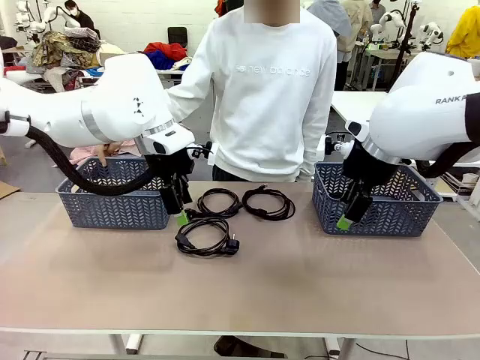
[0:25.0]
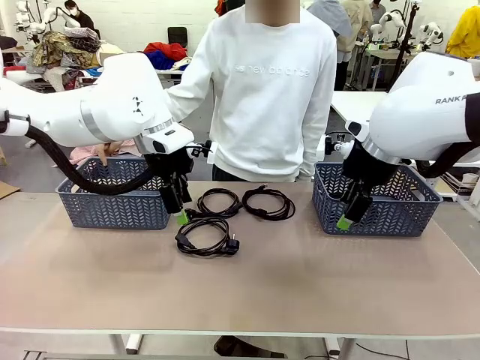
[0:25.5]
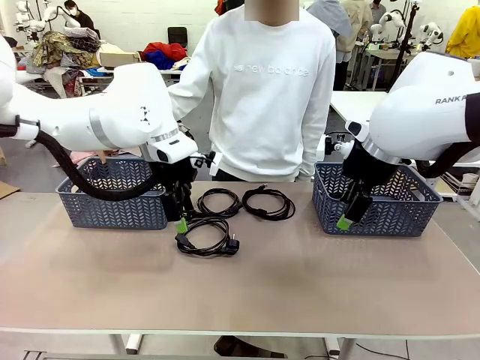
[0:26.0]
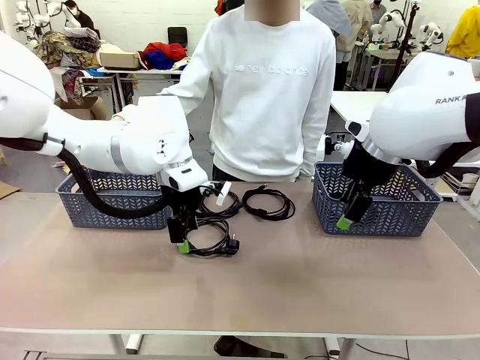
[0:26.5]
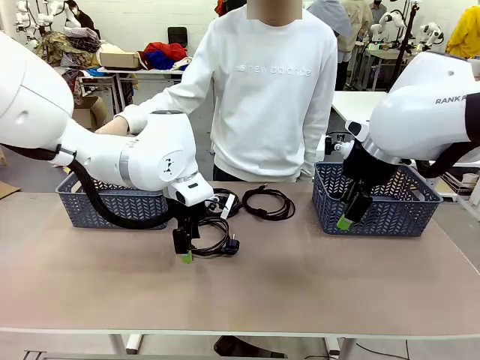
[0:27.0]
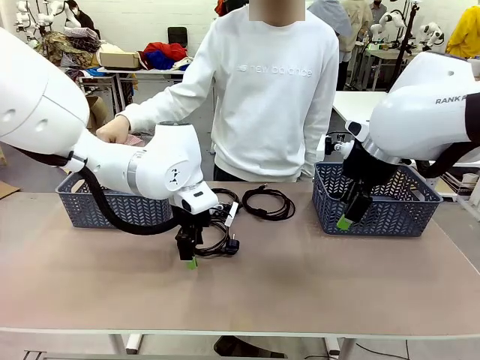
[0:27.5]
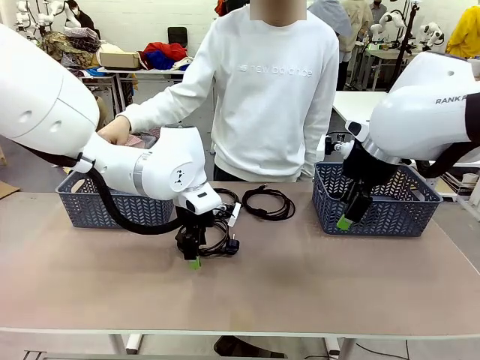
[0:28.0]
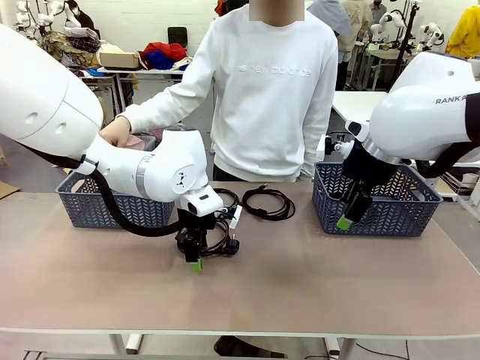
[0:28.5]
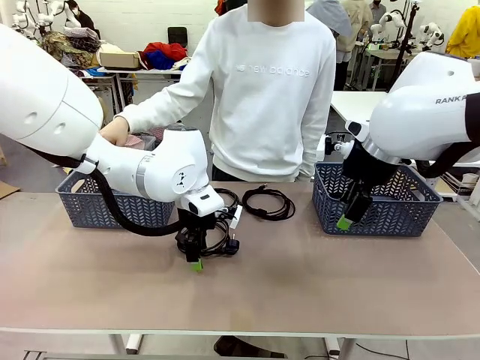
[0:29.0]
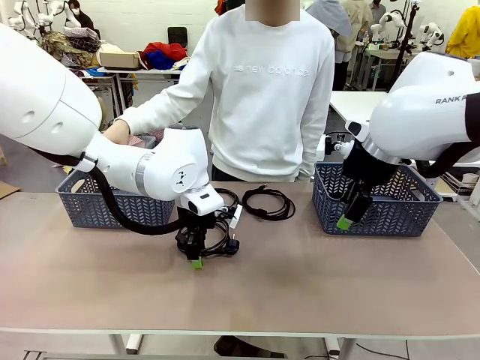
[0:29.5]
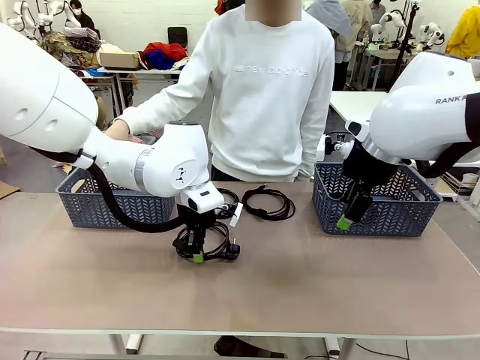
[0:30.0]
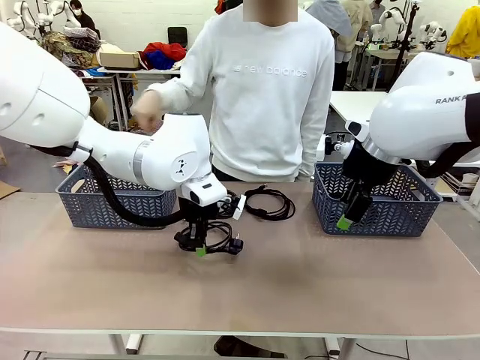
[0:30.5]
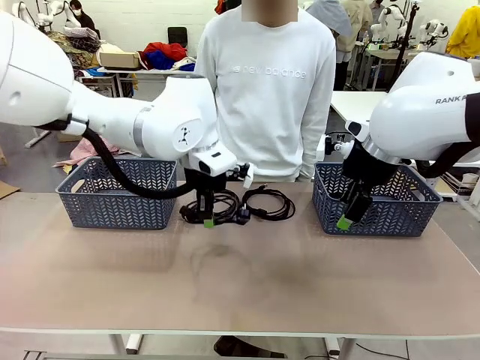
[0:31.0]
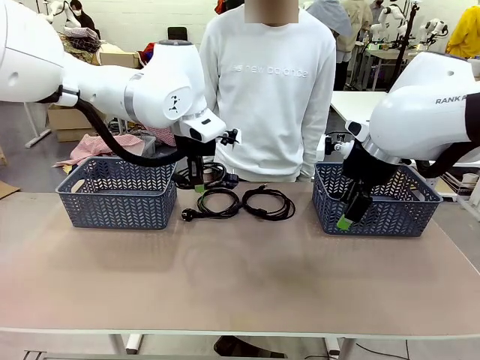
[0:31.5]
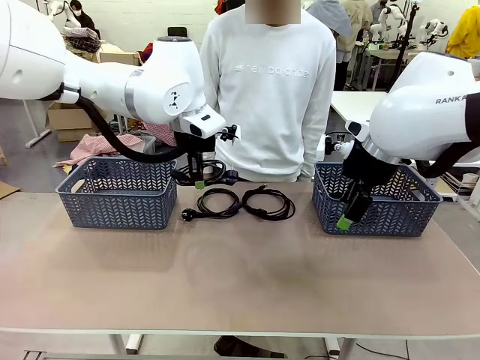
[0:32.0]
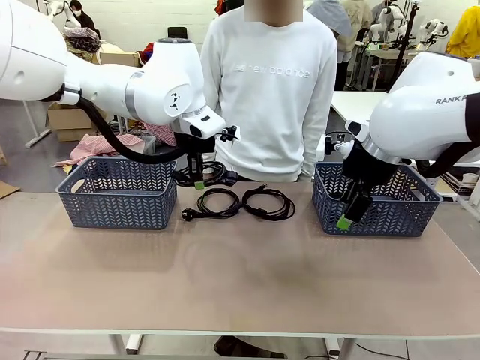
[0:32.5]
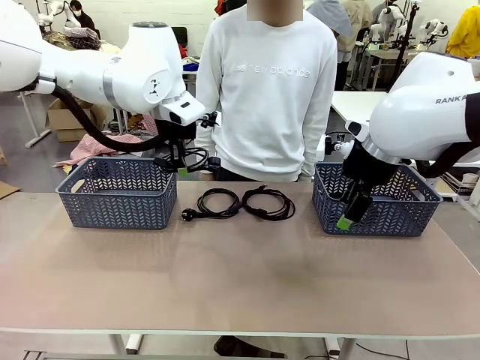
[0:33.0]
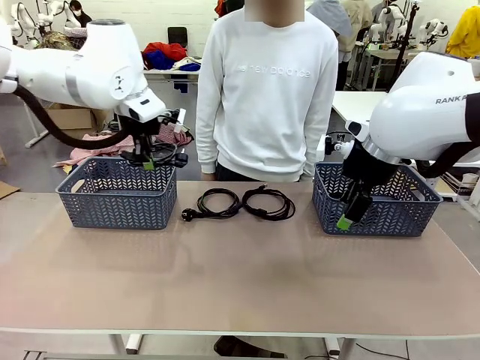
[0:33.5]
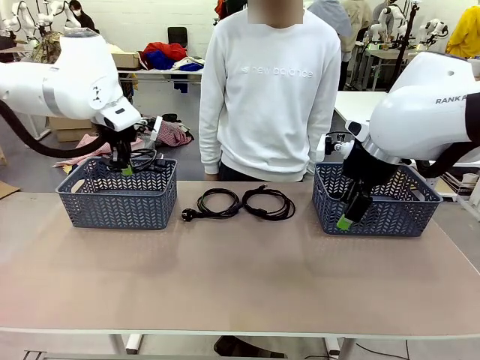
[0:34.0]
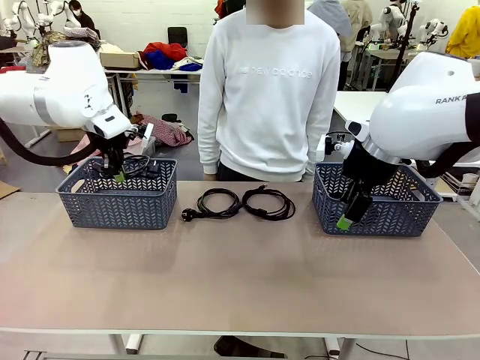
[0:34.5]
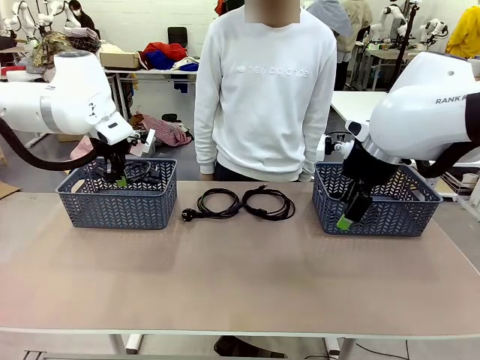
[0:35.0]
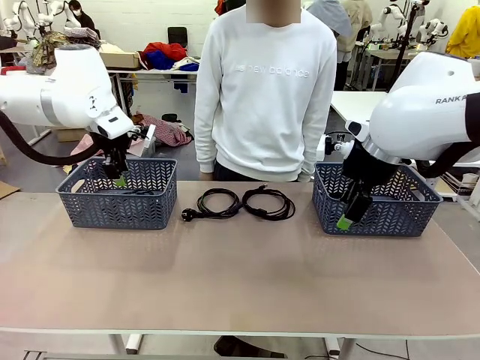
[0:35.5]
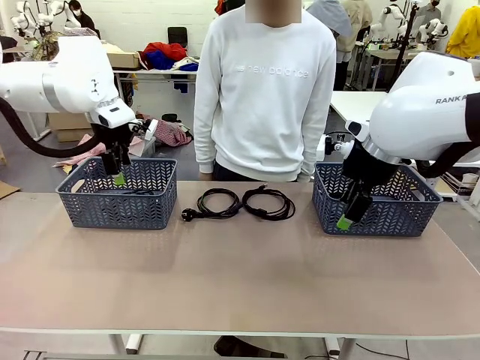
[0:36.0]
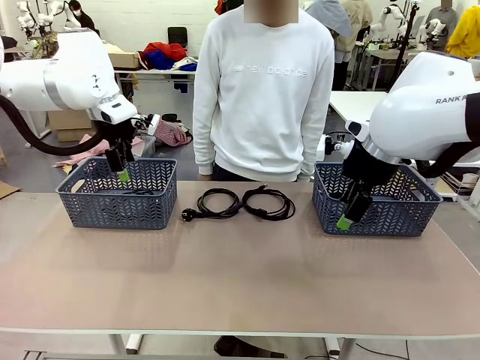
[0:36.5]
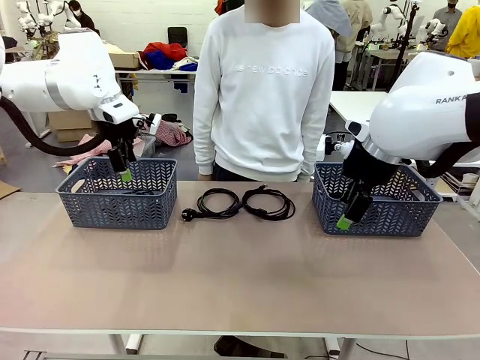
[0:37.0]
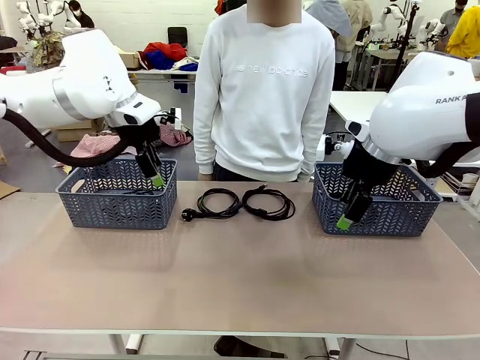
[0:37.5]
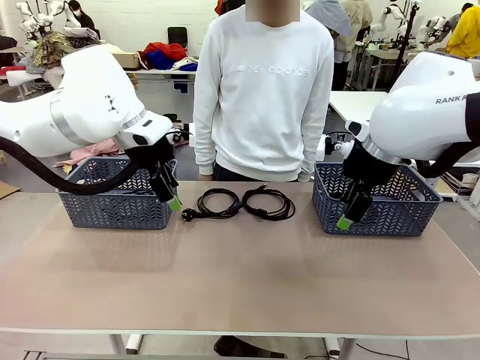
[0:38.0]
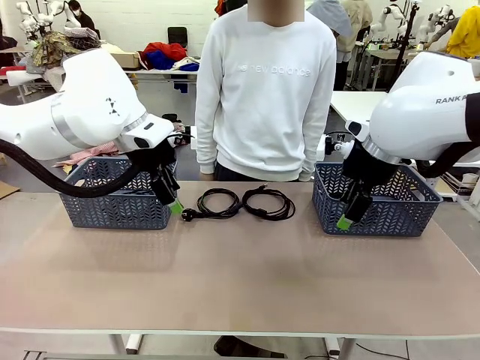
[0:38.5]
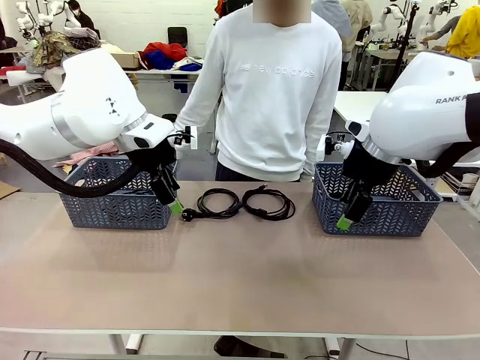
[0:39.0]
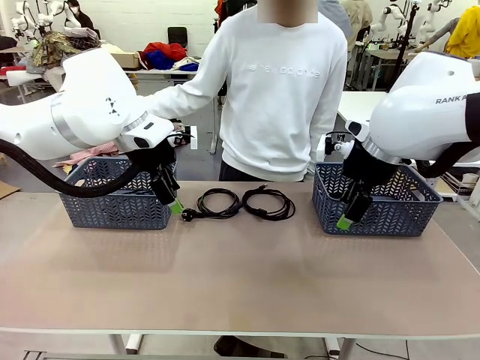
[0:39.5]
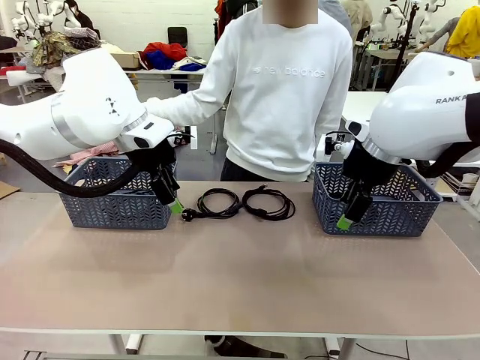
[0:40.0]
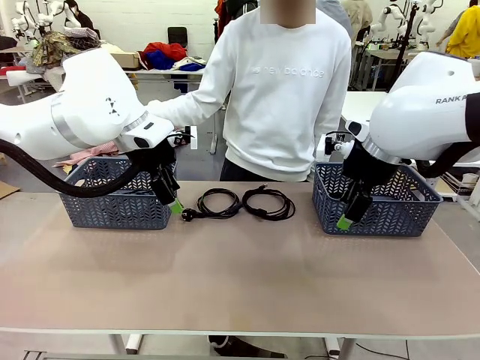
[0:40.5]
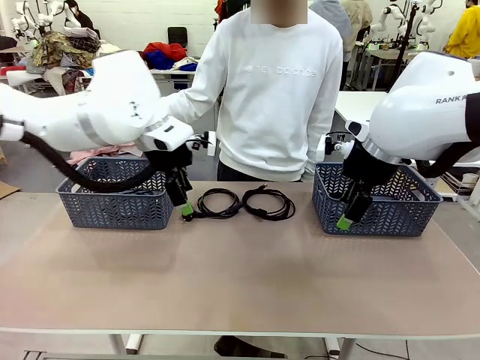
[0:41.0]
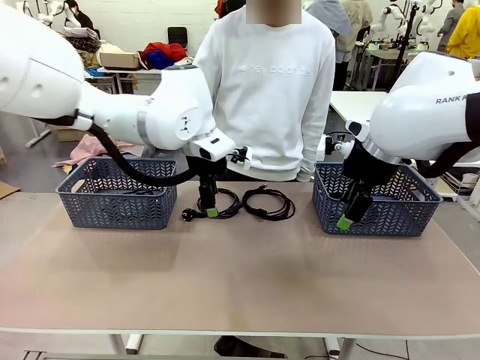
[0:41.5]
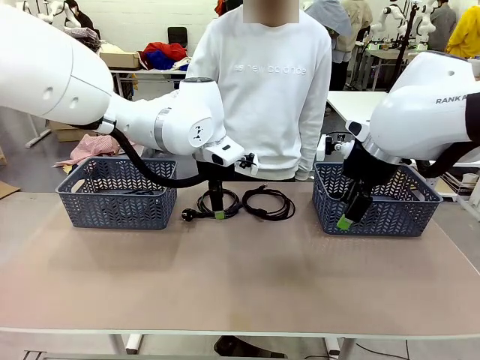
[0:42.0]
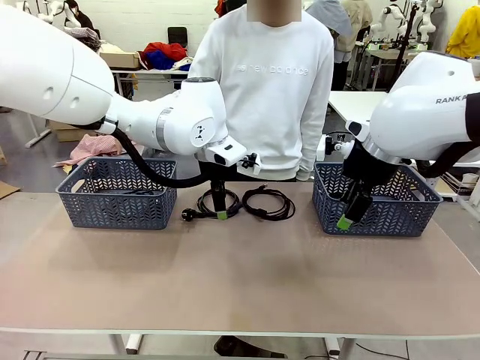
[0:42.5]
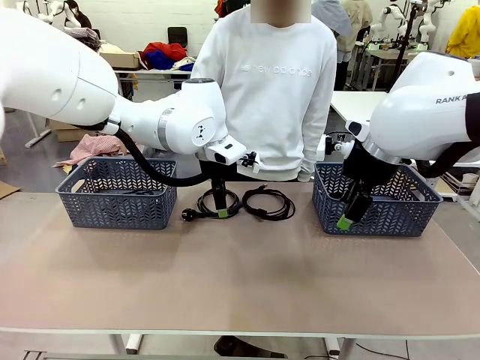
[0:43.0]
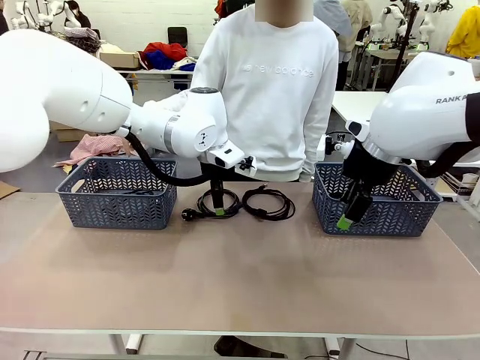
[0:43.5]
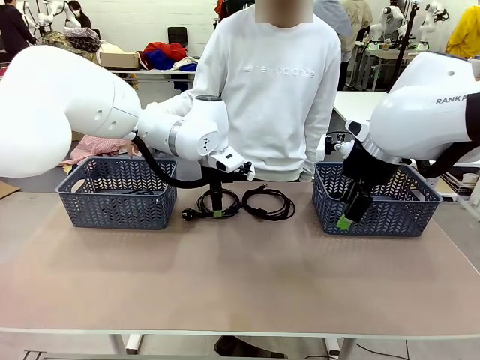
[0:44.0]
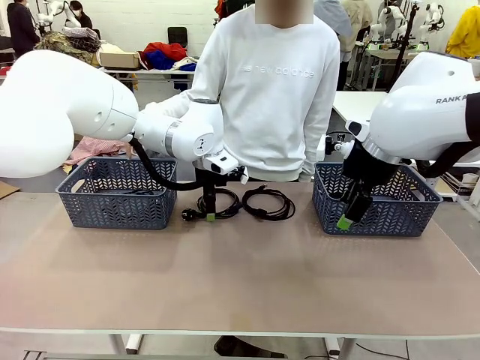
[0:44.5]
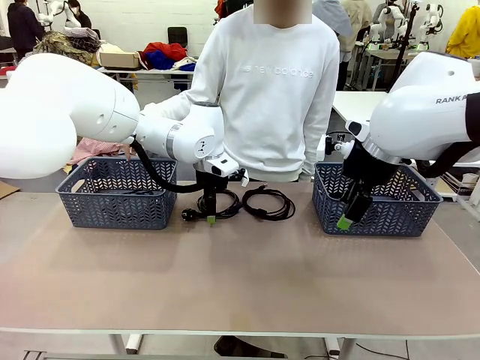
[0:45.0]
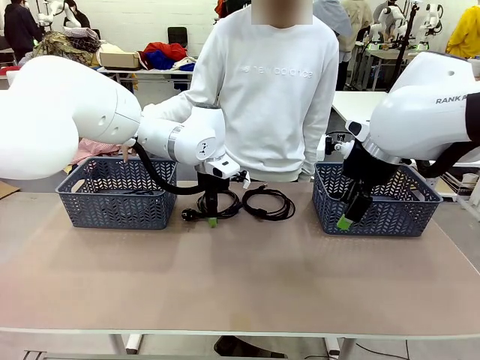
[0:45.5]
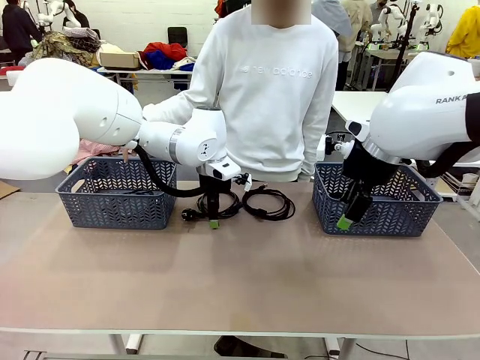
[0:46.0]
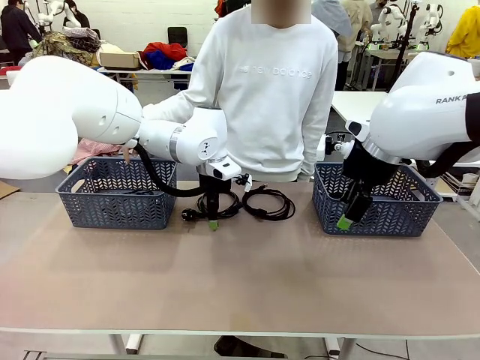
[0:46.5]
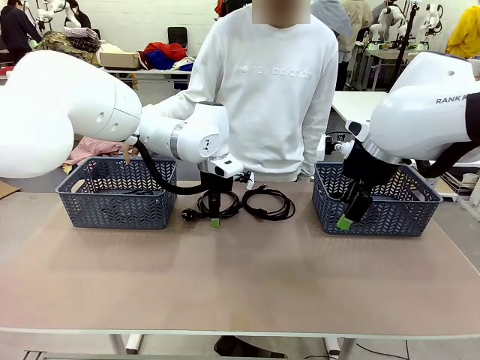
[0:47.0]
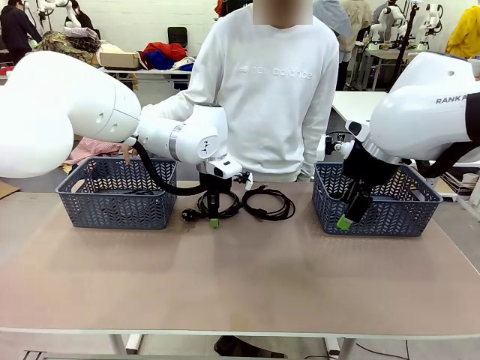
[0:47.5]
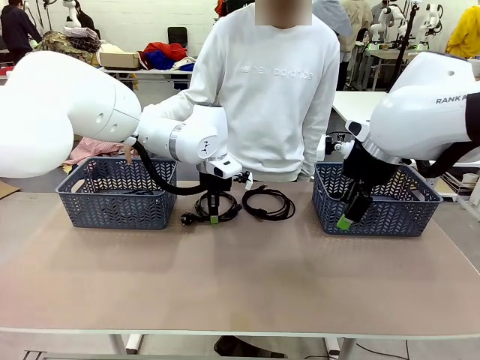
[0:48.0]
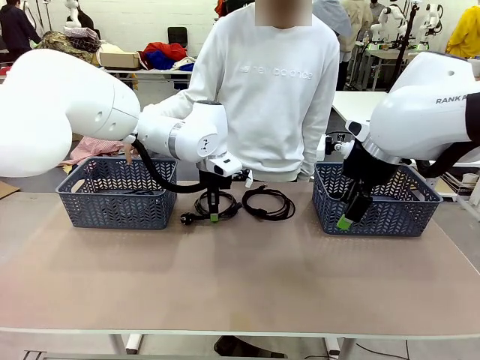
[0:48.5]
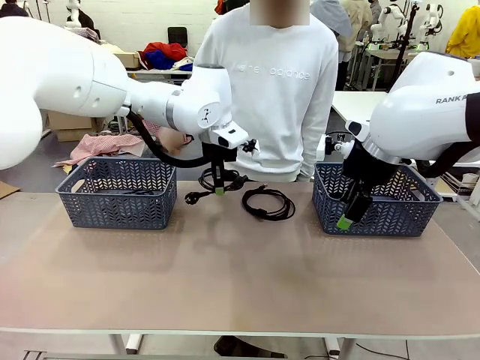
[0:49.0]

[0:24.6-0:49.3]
Task: Organize the cables according to human instructions.
Robot: Pick up a bundle of cables and place it in the basket indicated by the human.

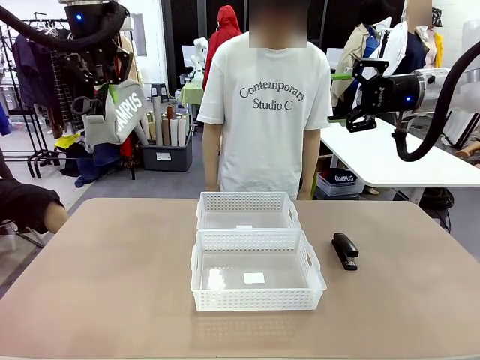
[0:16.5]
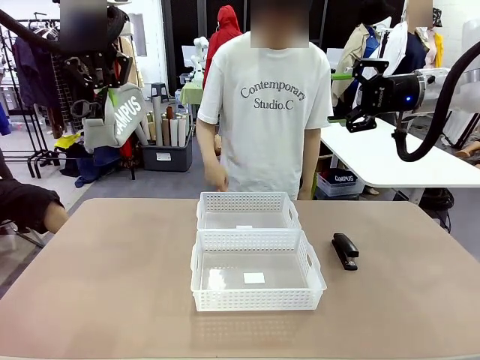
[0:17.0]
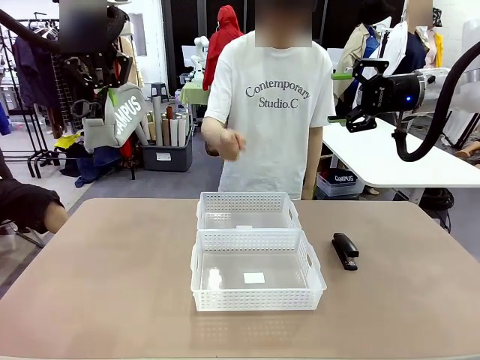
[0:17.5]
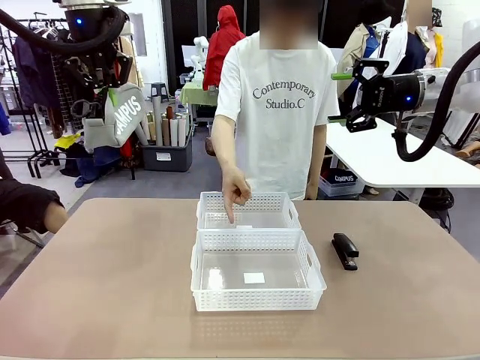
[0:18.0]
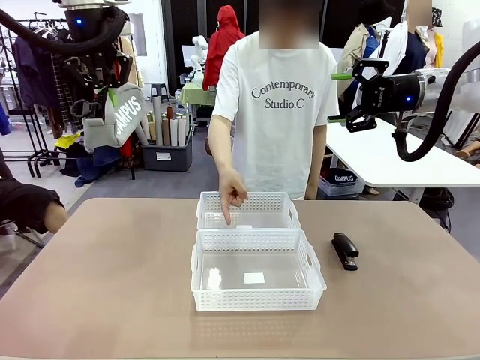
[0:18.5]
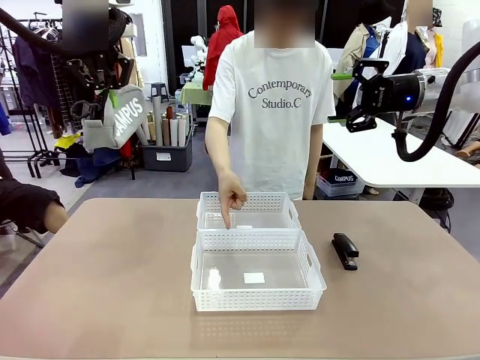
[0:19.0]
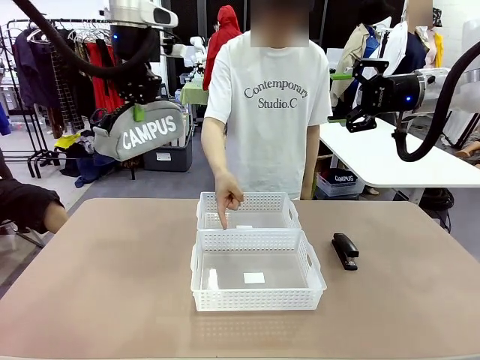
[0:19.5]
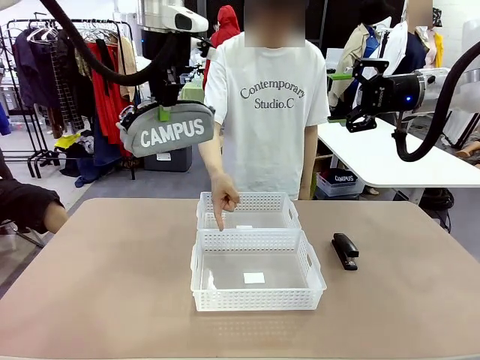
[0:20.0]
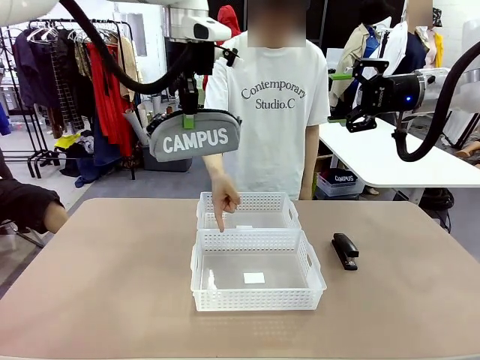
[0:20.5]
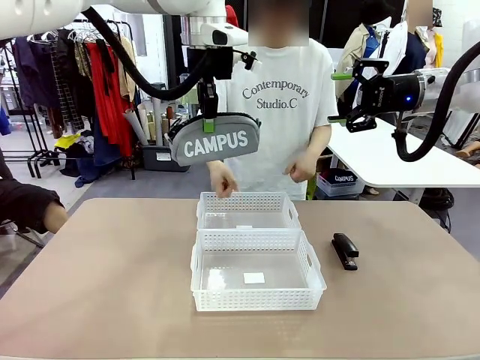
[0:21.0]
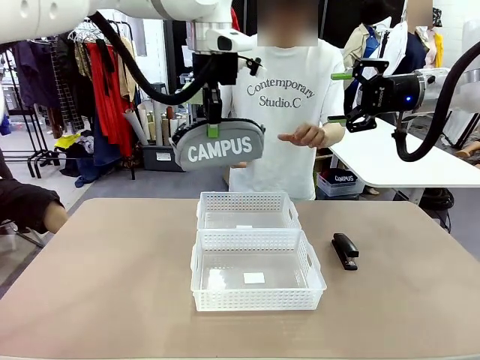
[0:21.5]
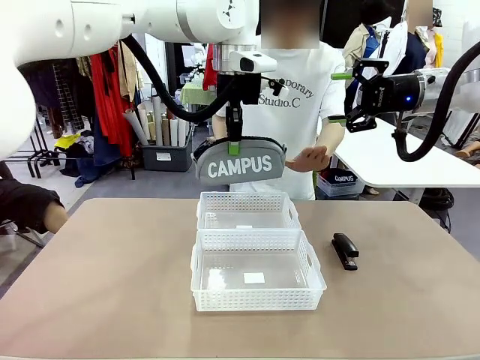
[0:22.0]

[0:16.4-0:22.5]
Task: Distribute items into two baskets.
Robot: Move the picked Pencil pouch towards the Organizing basket indicated by the person, stopping as directed.
Person: Sends a stop gesture before the robot places the pencil case into the basket.
